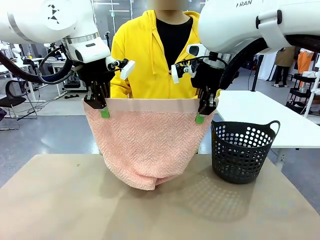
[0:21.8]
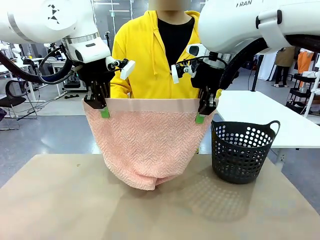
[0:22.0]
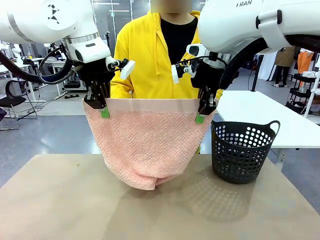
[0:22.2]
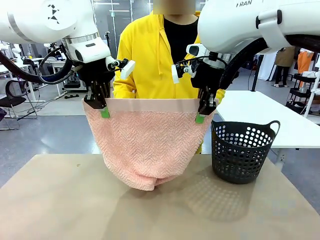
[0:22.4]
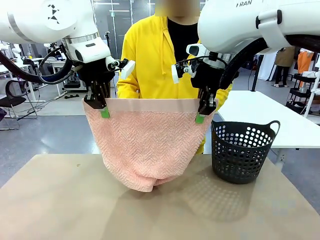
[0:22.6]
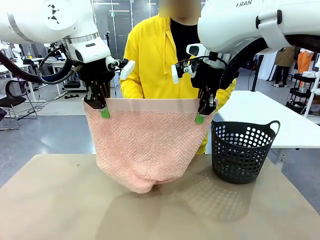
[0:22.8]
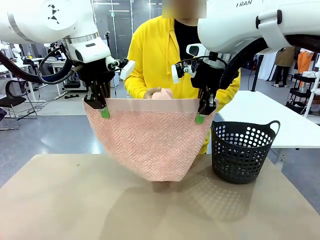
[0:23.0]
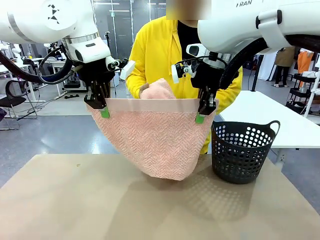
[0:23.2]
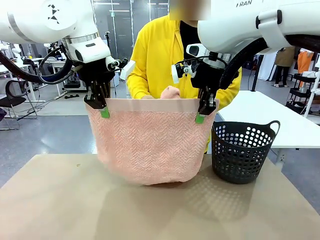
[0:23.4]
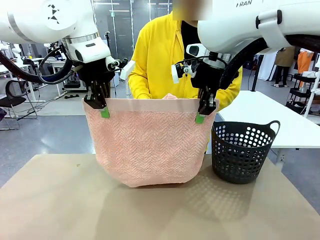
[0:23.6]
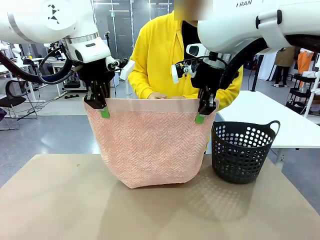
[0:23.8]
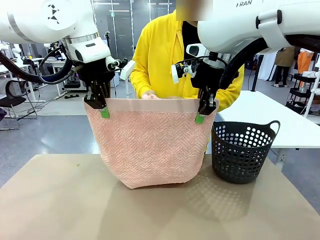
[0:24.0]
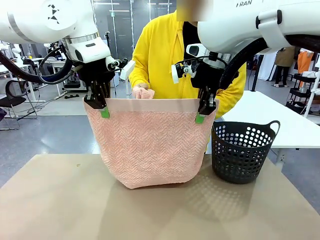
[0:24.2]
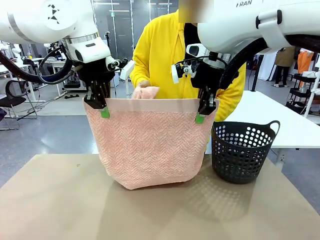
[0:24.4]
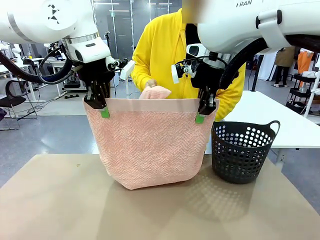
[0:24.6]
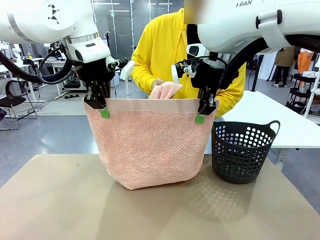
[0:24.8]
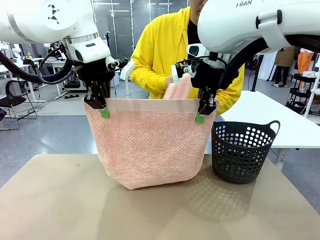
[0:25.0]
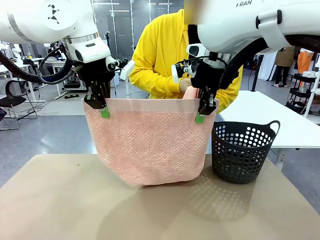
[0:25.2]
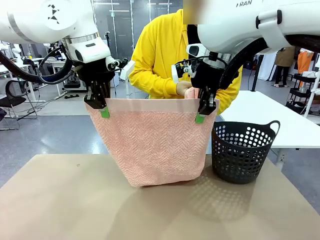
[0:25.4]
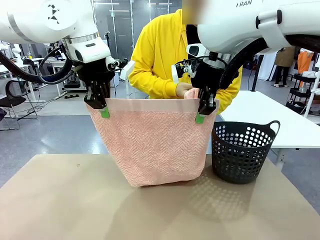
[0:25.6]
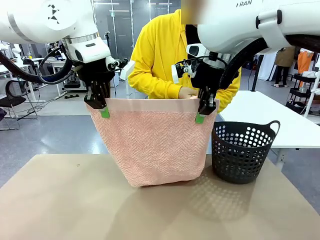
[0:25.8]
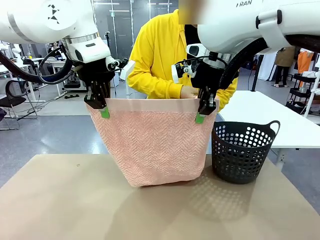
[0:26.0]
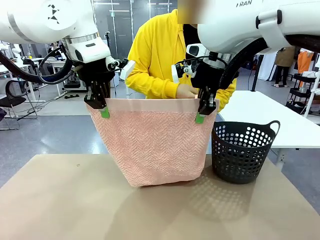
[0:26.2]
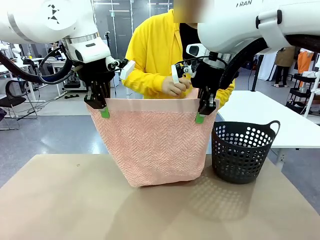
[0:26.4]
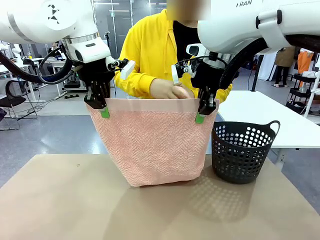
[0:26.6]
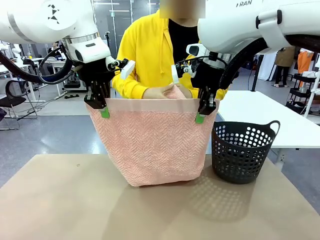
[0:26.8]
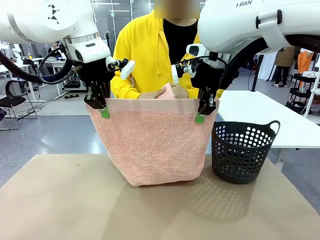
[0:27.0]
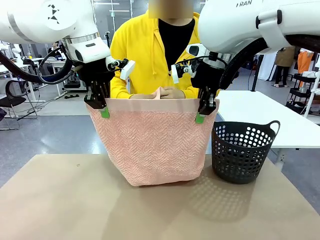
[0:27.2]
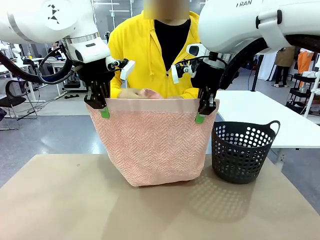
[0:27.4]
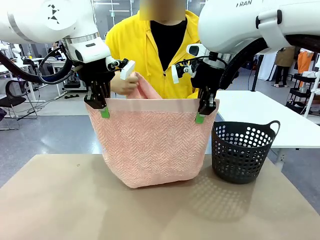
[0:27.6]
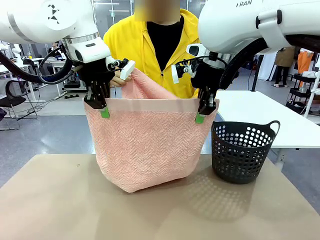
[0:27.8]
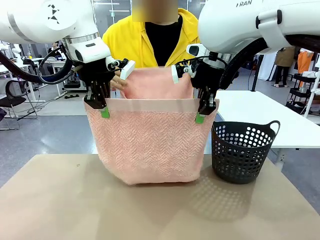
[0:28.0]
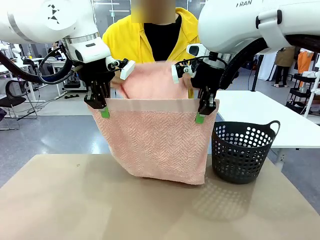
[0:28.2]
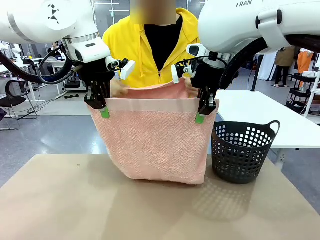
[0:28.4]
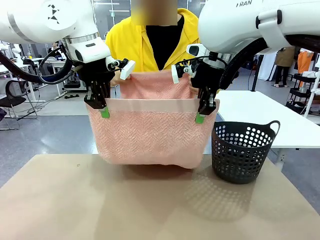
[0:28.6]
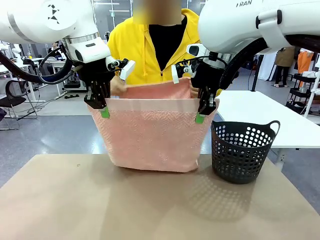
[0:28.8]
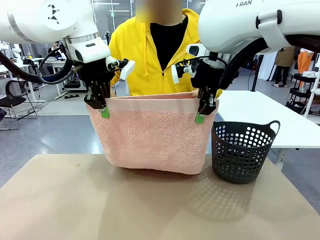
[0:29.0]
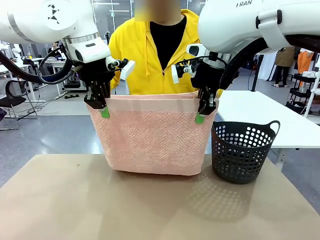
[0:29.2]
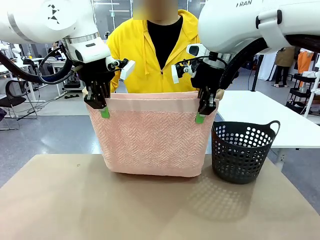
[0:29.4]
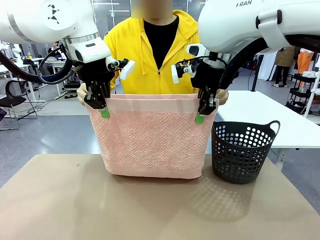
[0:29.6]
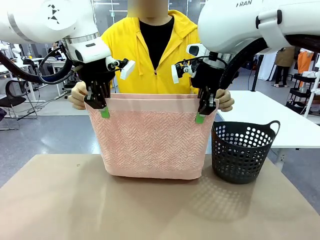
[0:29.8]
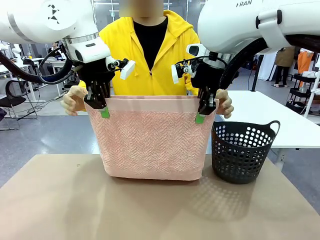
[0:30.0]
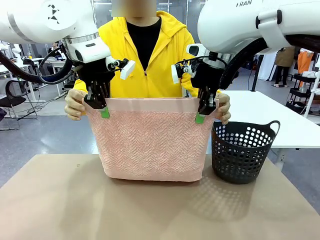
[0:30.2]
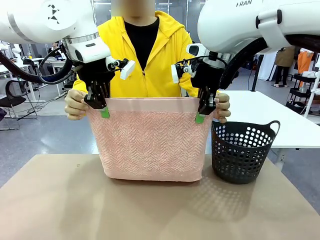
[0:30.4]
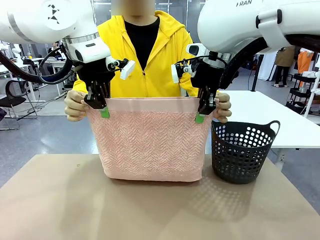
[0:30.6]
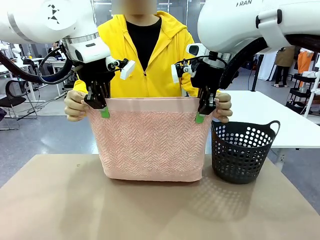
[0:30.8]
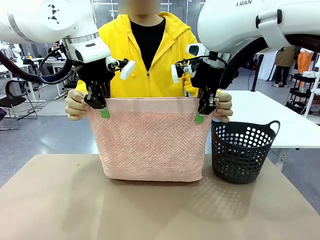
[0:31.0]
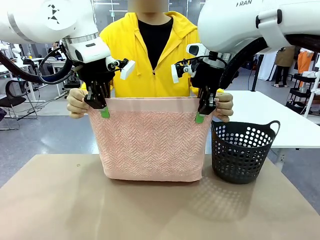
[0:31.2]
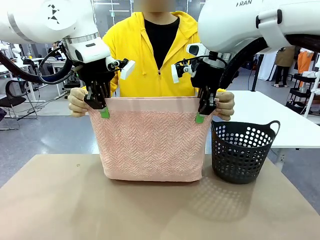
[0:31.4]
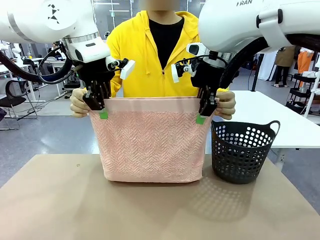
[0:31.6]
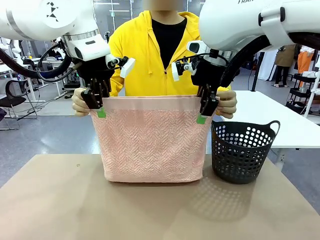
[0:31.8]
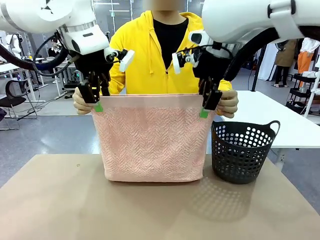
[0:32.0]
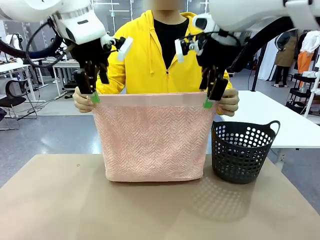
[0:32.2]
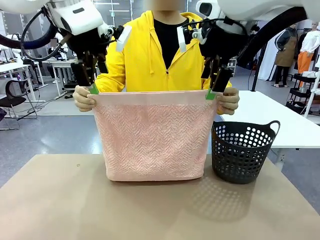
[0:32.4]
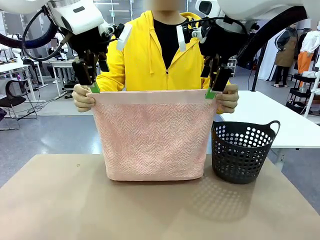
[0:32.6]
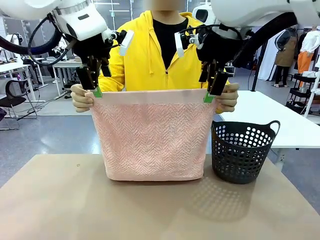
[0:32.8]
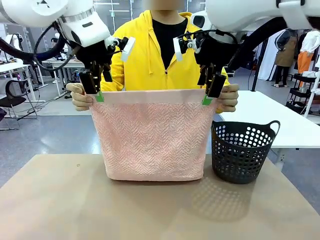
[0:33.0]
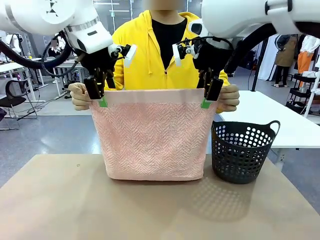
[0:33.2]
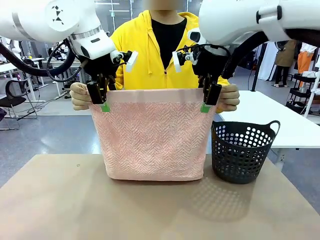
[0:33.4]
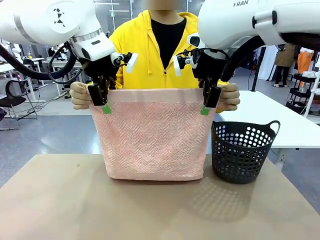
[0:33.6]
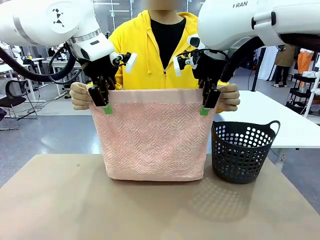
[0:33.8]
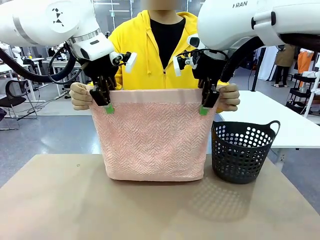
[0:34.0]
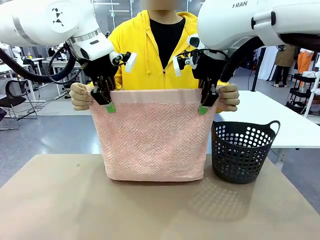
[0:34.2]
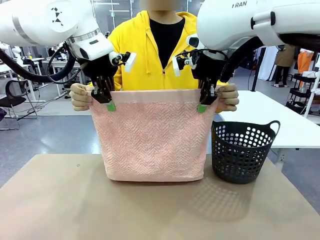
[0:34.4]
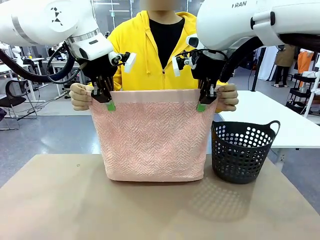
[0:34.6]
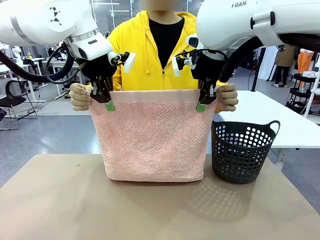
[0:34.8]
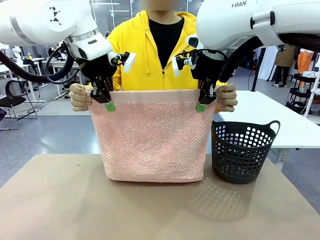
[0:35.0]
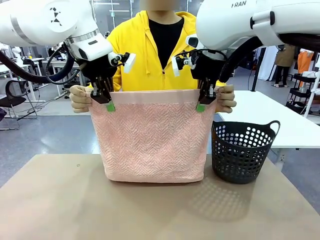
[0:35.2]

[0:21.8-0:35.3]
Task: Fold the towel.
Robot: Release the end of the 100 cm Hotel Towel you were holding and grab the top end of the folded side.
Person: Using the point held by the robot as a reference, grasp the opposite end, fold the towel in half, and then hold both ends of the folded towel.

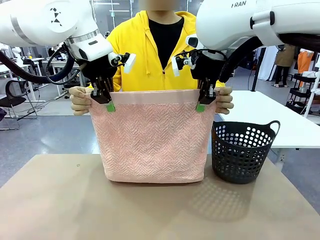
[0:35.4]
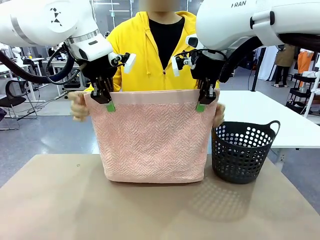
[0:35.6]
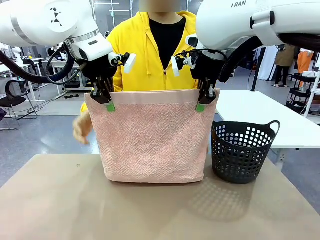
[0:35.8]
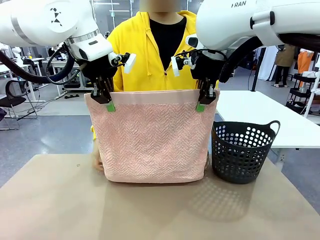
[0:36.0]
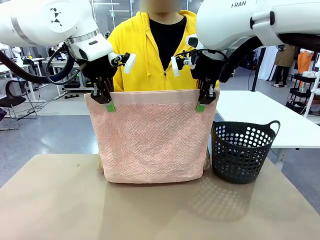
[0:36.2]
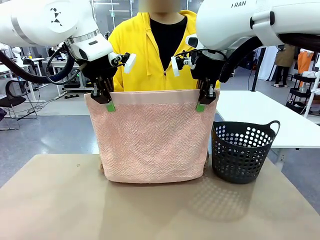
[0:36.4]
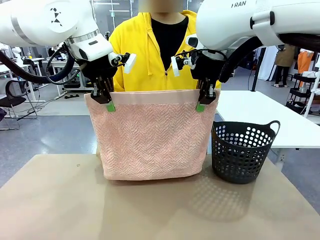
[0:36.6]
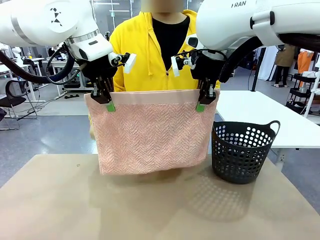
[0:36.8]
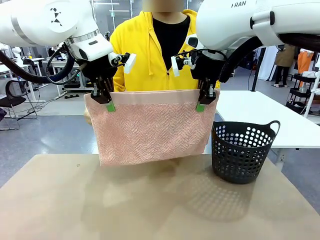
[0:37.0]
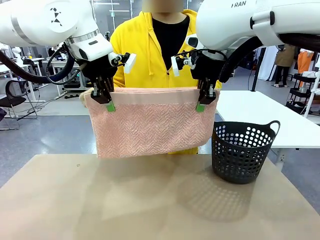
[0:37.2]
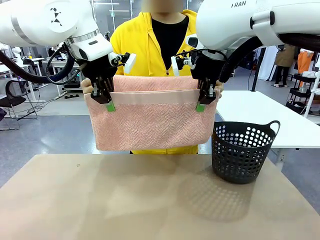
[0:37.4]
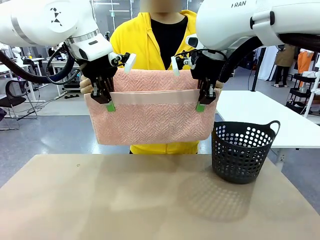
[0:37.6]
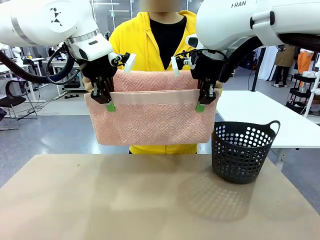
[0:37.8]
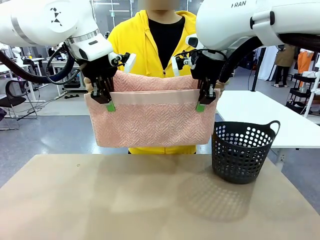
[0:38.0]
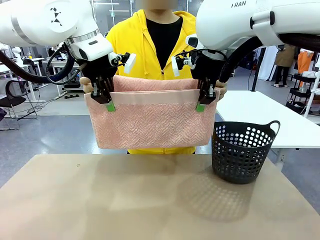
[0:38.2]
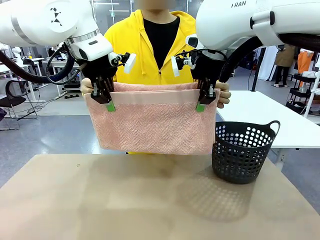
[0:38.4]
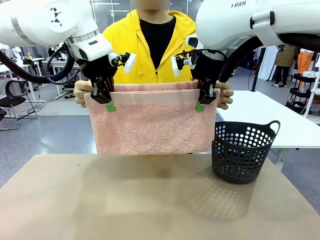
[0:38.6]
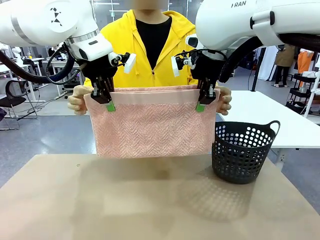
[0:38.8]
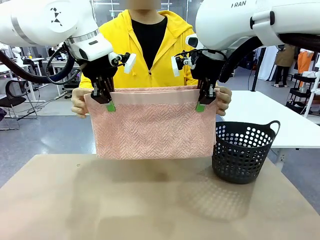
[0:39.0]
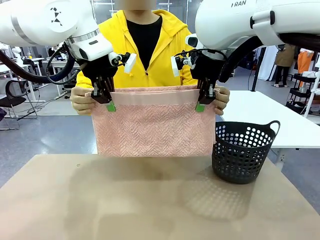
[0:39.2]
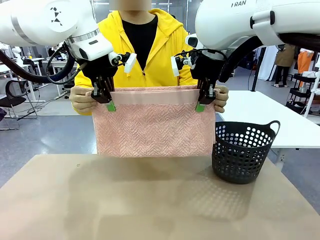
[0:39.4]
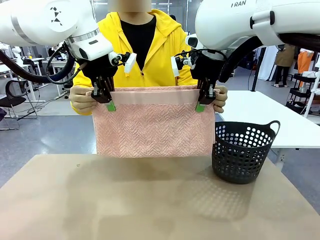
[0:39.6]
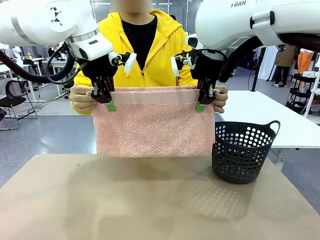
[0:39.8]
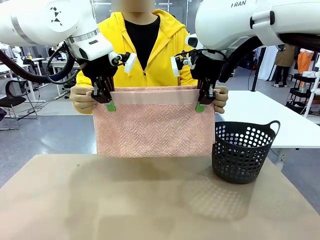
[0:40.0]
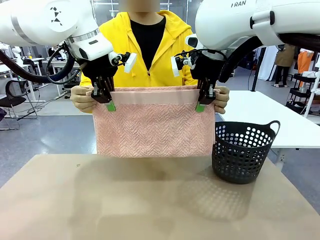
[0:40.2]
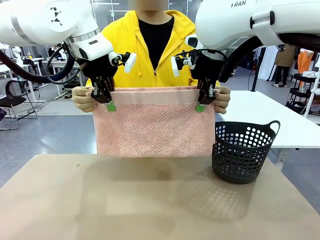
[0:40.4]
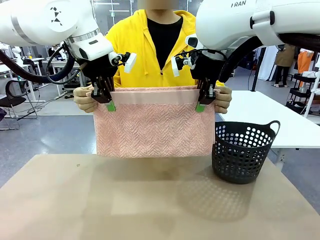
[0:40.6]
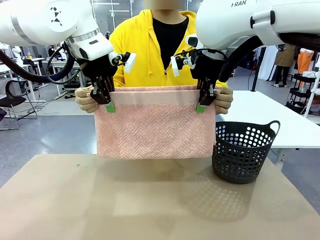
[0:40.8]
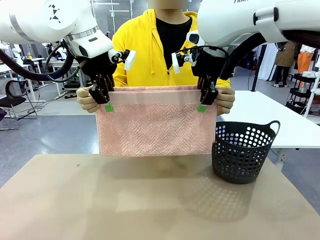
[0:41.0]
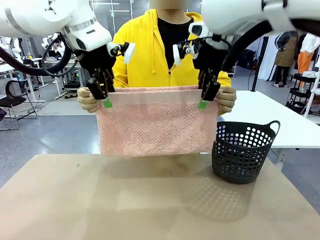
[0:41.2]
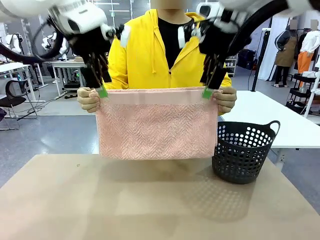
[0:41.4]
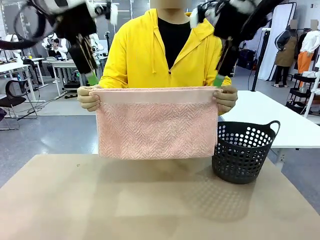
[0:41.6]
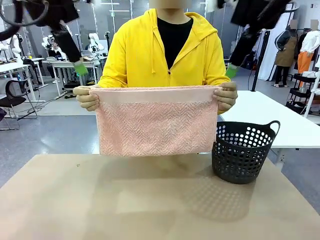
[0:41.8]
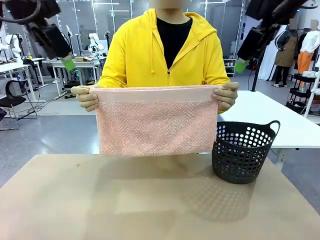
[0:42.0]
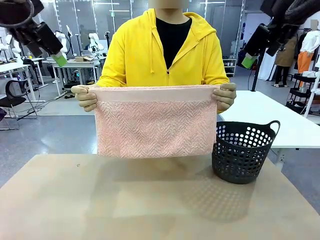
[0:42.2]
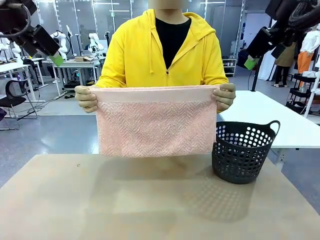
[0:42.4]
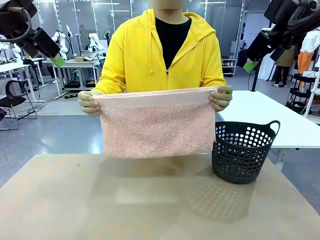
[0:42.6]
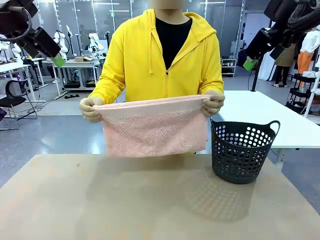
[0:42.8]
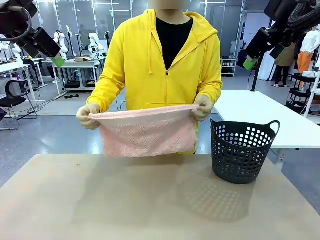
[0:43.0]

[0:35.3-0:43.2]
Robot: Release the end of the 100 cm Hotel Towel you were holding.
